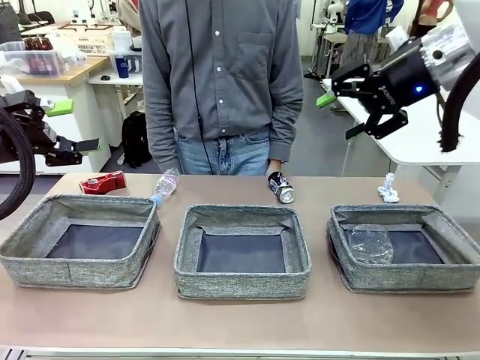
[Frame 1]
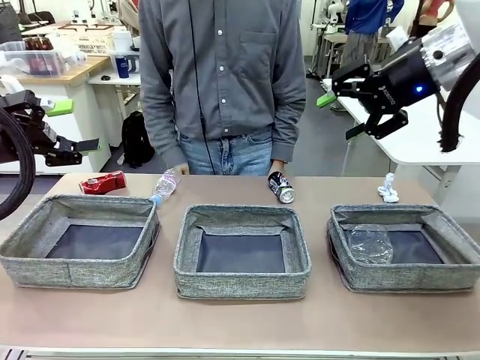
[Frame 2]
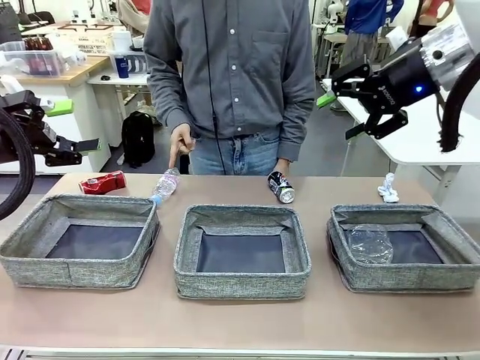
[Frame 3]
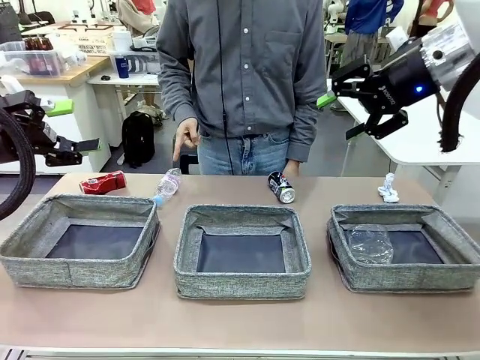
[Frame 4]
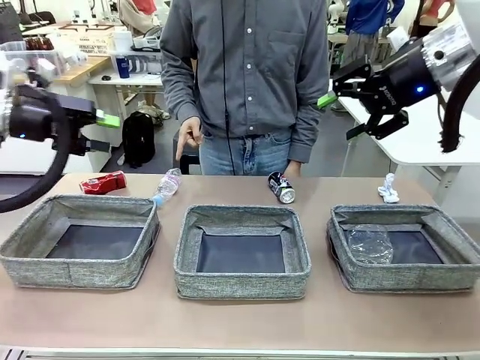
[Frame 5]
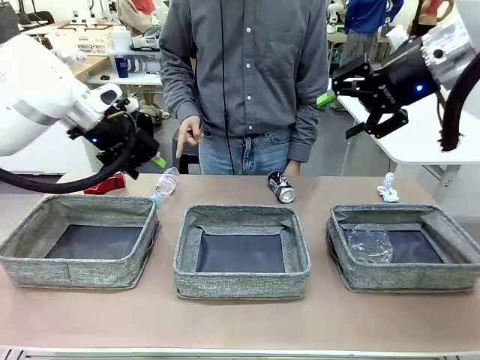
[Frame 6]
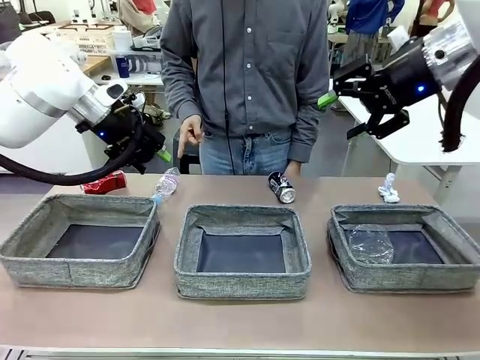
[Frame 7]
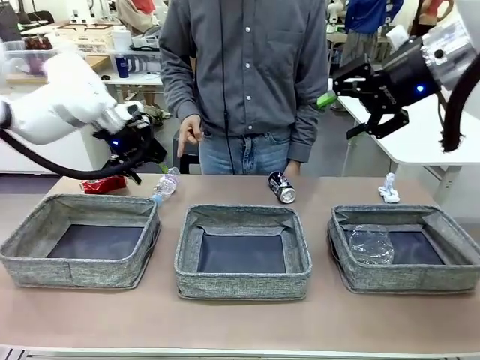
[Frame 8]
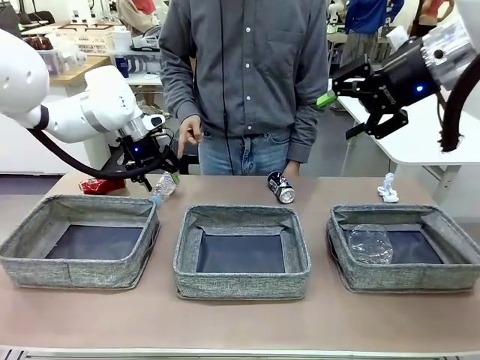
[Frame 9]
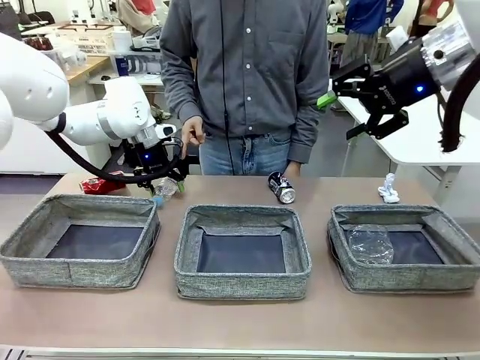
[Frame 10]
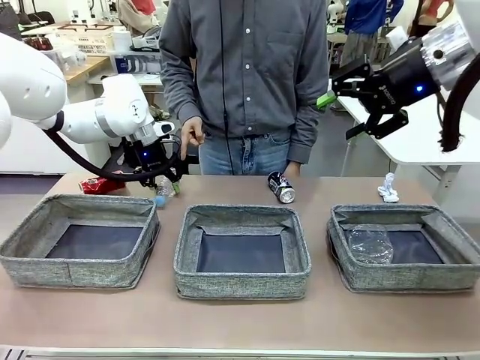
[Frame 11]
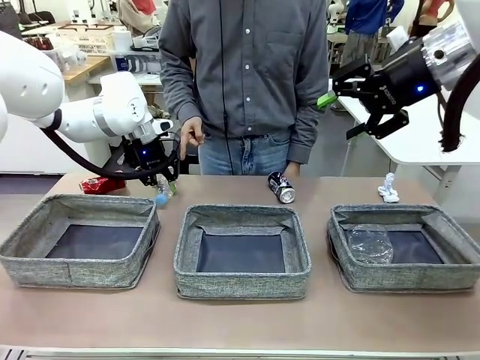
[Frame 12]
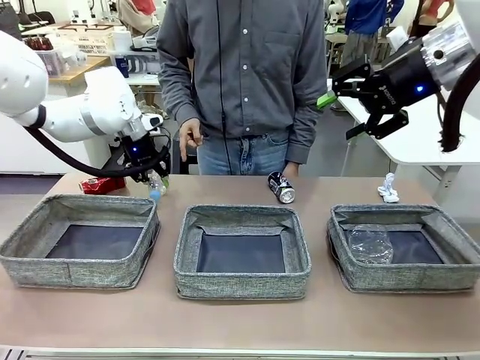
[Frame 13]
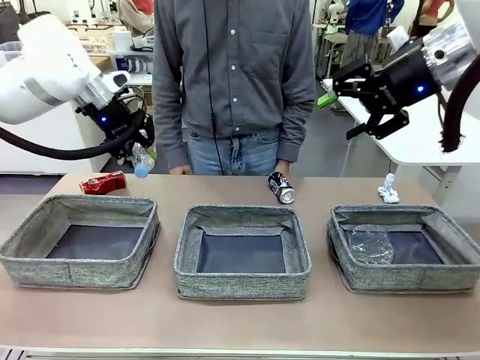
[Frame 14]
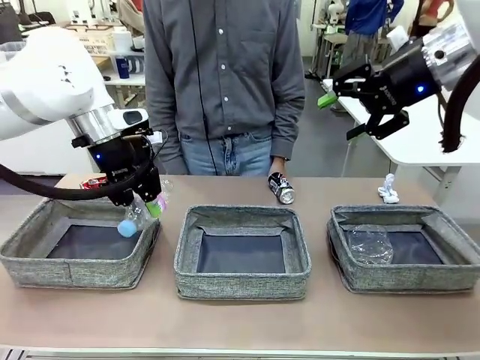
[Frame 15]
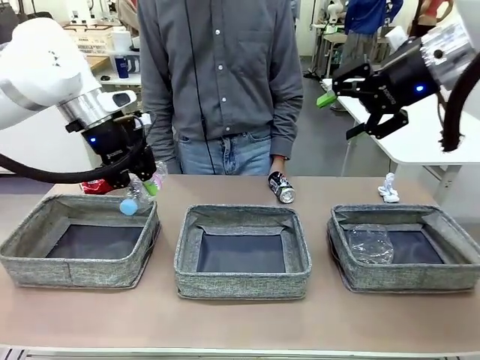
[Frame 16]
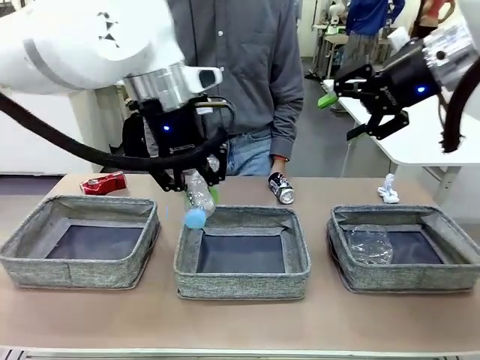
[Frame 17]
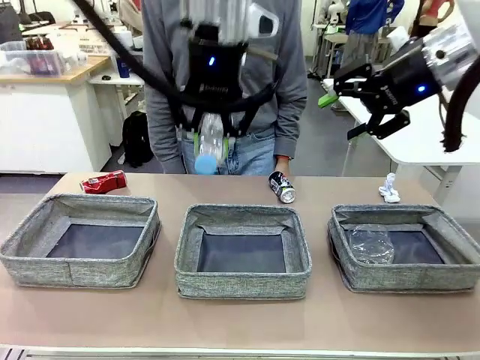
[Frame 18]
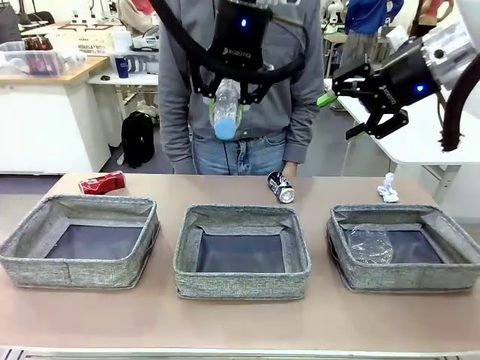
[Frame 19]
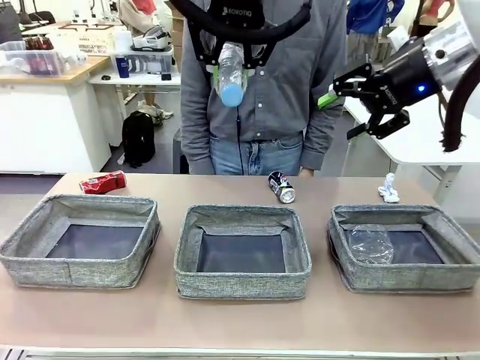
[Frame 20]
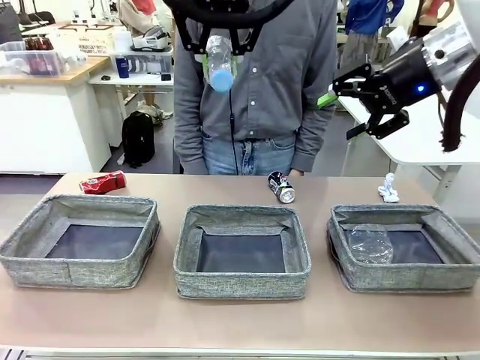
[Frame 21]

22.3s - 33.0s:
Task: Sort the waste into the appropriate baskets.
Robot: Pick up the waste item pointed out by the person.
Person: Points to one piece of trash on the table.

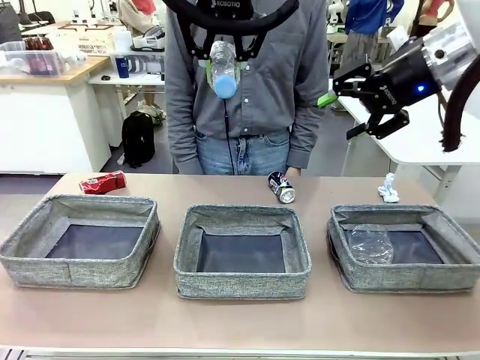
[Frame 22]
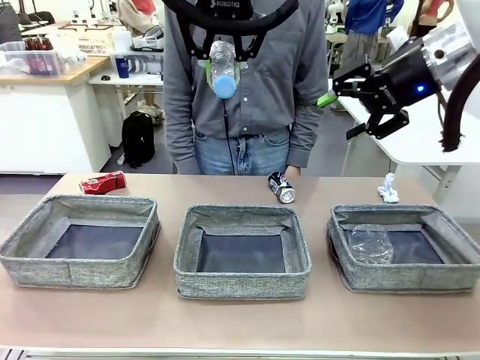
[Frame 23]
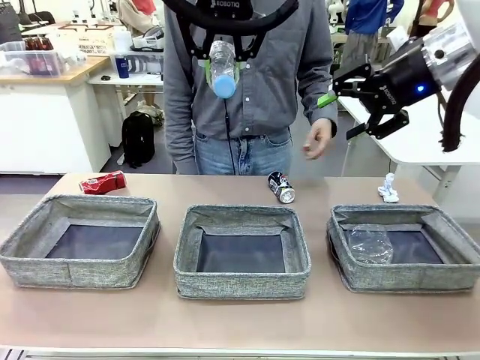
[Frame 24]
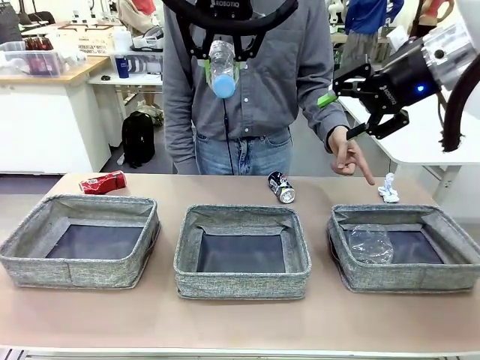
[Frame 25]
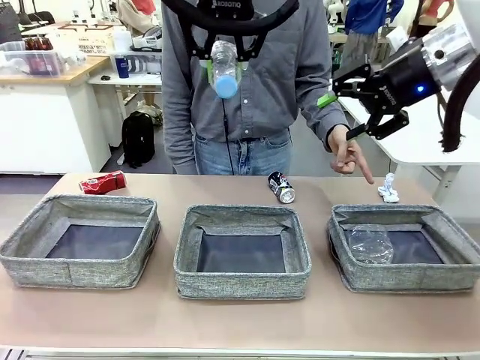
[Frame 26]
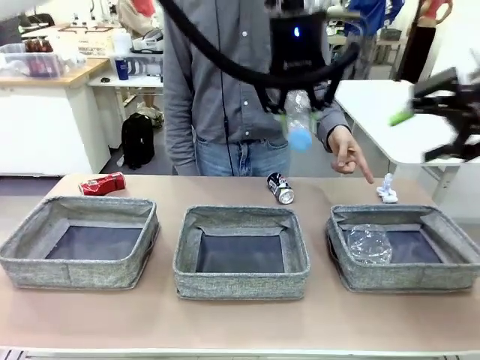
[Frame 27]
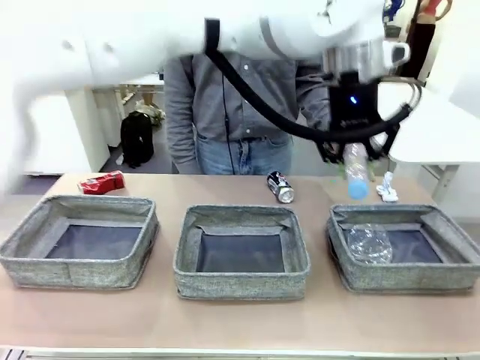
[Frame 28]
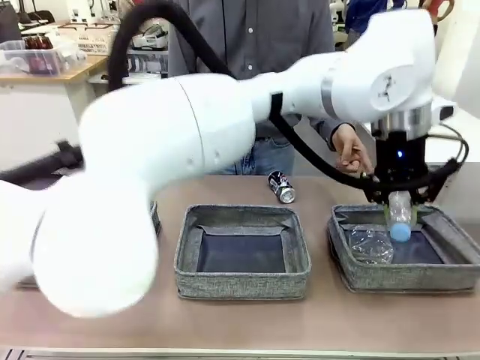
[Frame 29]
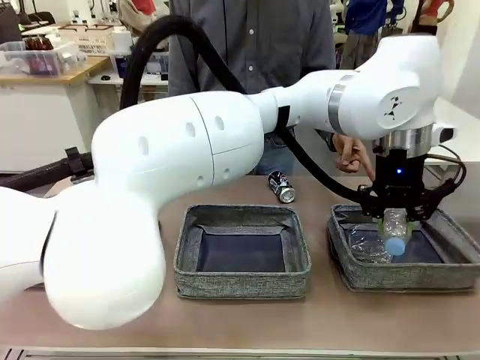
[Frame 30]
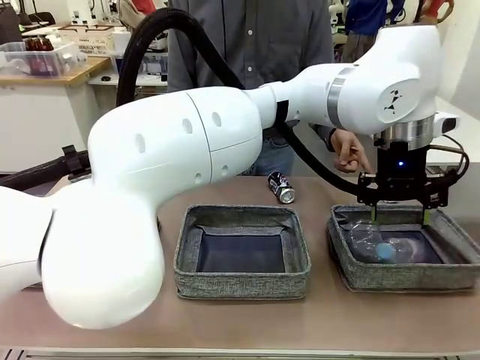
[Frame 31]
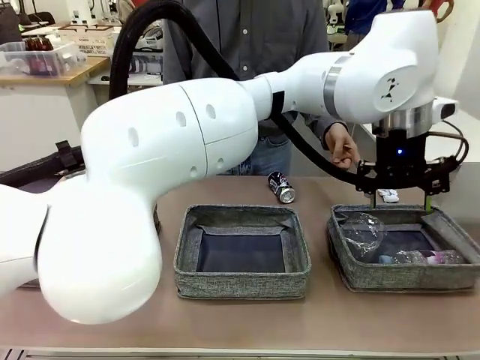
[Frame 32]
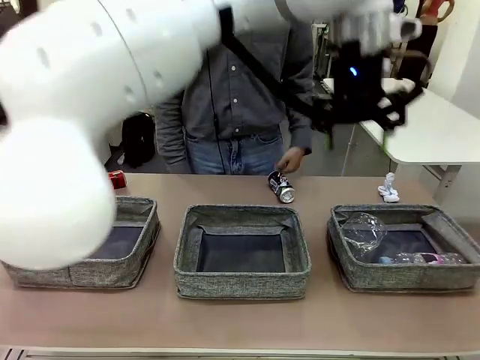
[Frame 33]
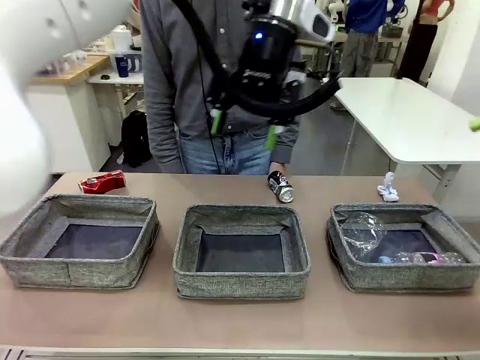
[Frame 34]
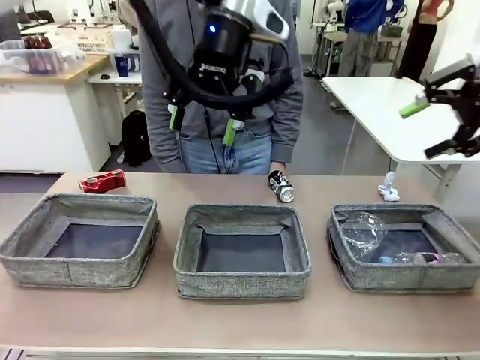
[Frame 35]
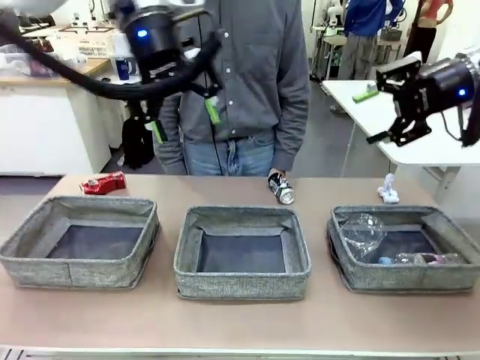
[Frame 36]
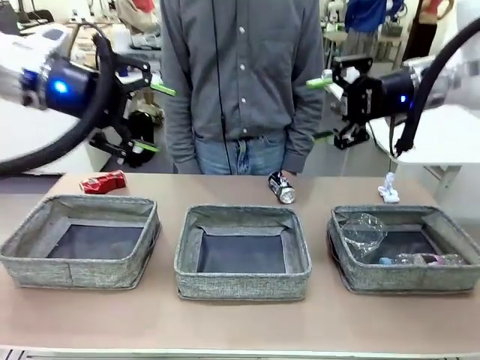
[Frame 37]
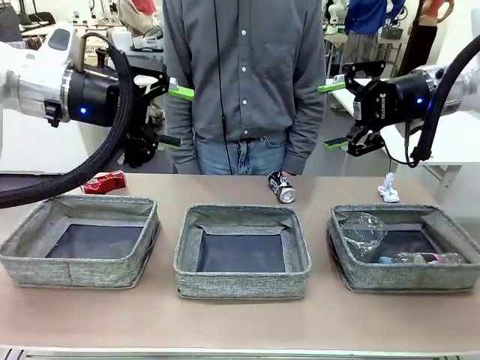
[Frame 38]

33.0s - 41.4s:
Robot: Place the picked waste into the Fabric basket indicated by the person.
Person: Instructs the robot to place the picked-up trash into the appropriate organizing basket.

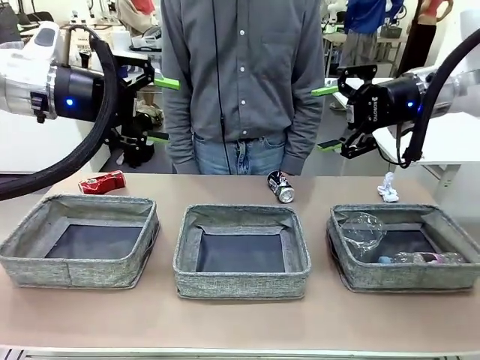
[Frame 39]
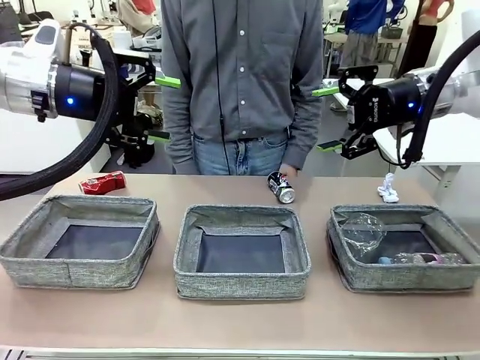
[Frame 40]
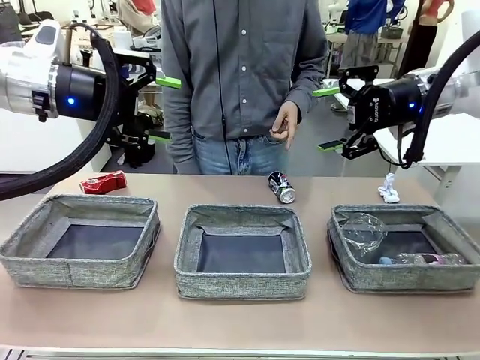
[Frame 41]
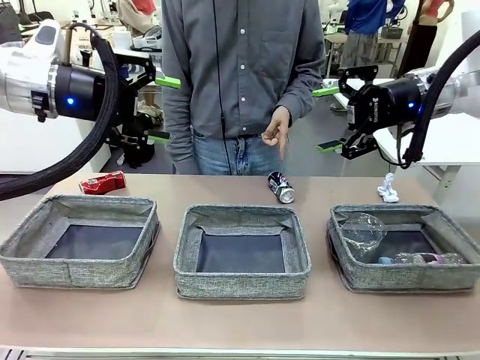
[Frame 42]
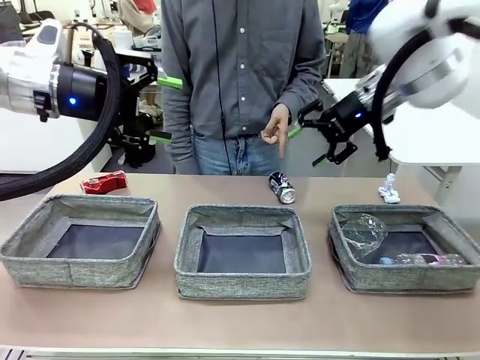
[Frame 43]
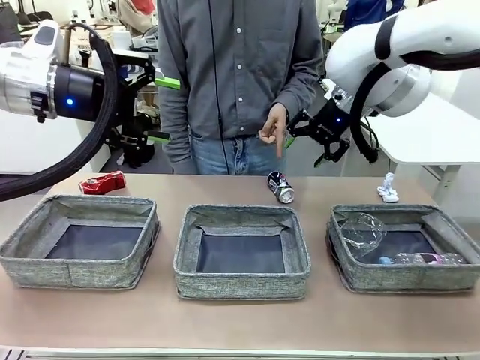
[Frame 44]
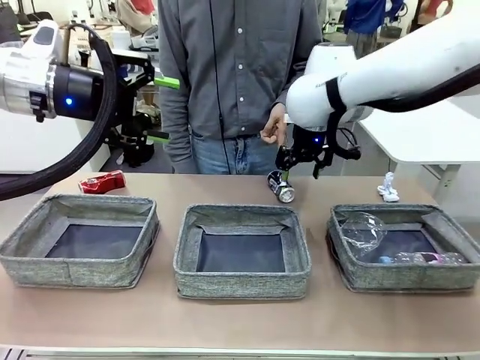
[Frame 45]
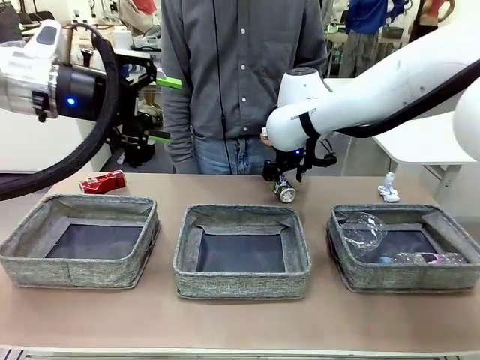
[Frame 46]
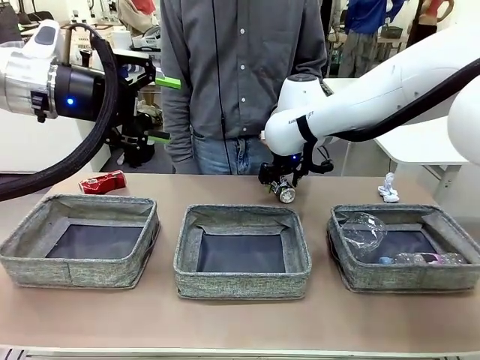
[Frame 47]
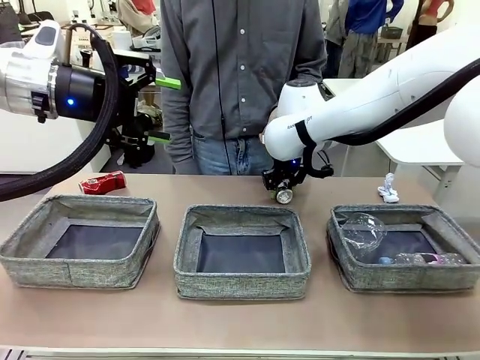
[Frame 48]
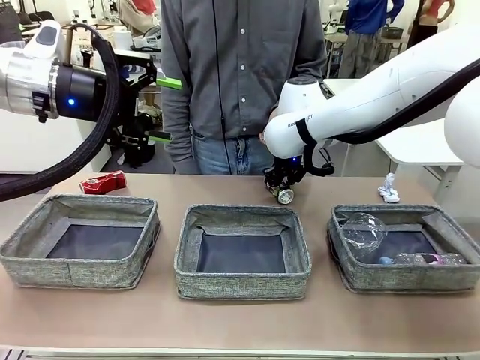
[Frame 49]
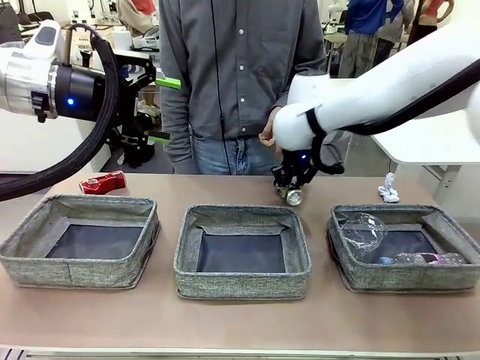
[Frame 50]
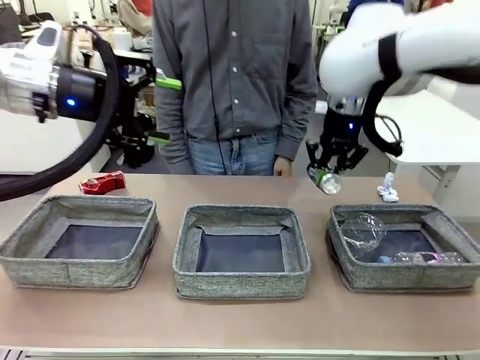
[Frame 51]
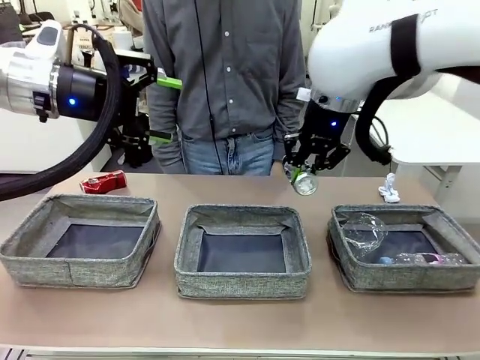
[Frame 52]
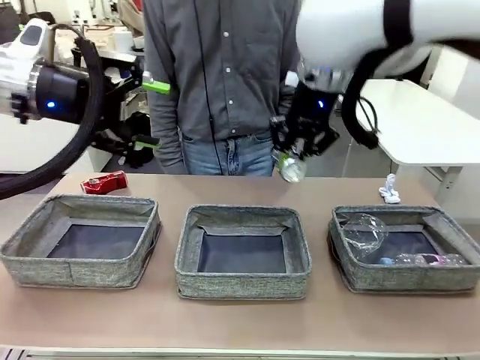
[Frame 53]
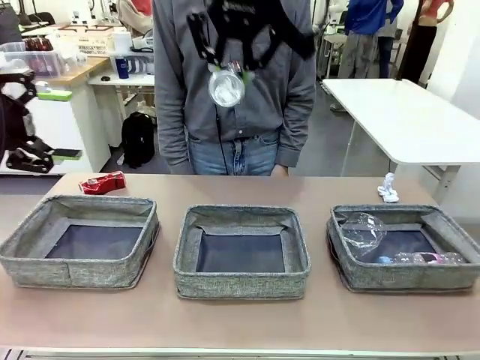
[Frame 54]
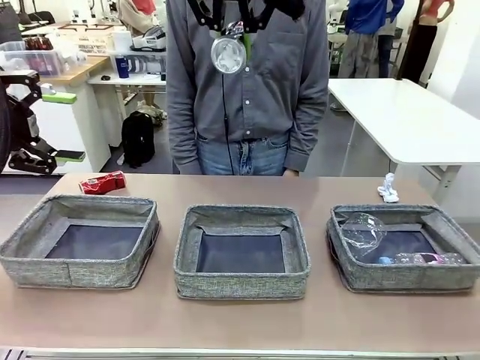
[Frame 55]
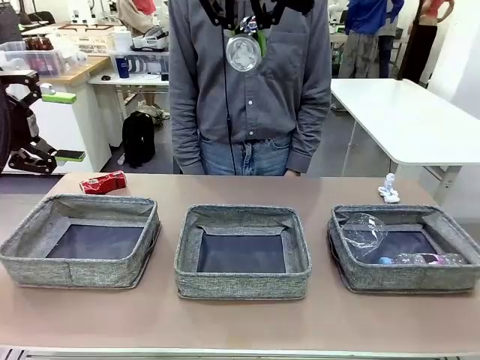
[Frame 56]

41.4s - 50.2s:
Robot: Pick up the waste item pointed out by the person.
Person: Points to one piece of trash on the table.
